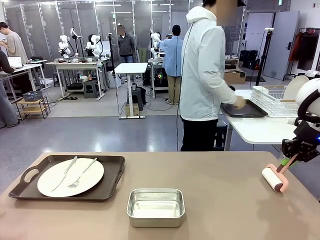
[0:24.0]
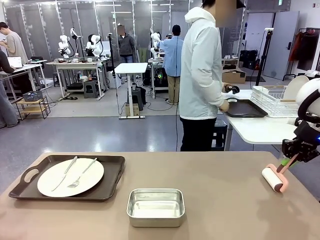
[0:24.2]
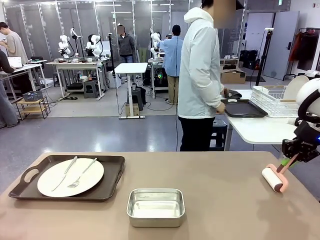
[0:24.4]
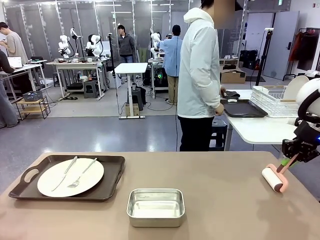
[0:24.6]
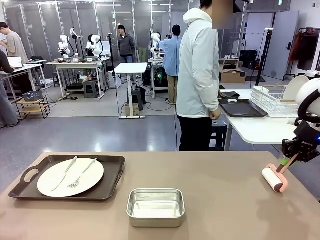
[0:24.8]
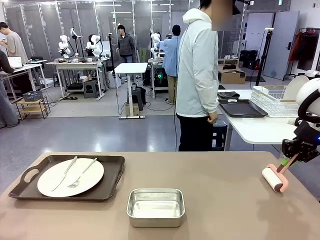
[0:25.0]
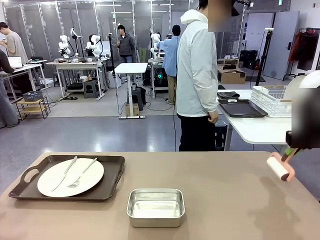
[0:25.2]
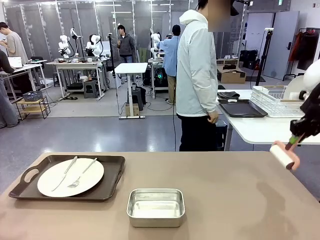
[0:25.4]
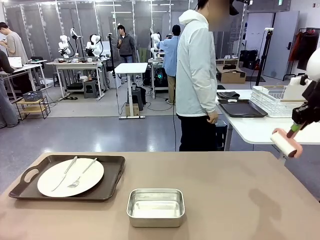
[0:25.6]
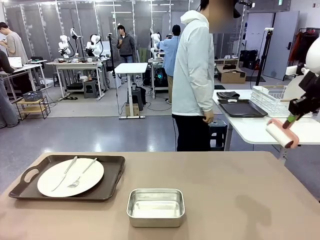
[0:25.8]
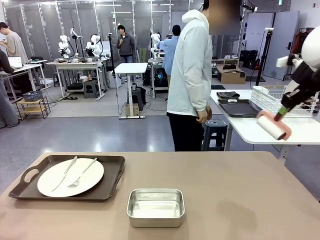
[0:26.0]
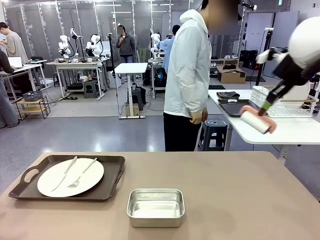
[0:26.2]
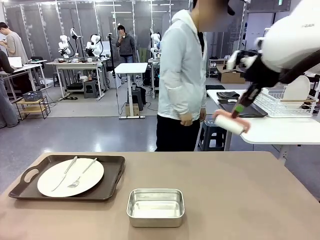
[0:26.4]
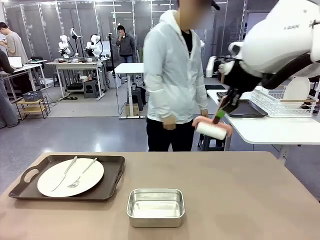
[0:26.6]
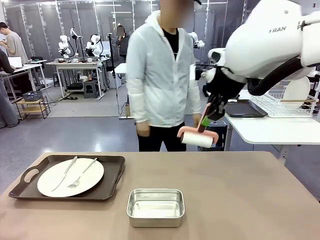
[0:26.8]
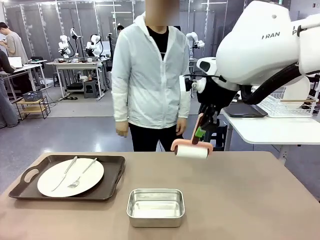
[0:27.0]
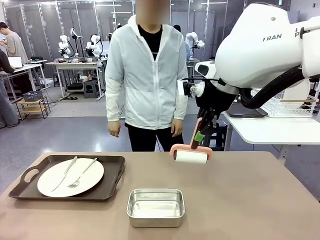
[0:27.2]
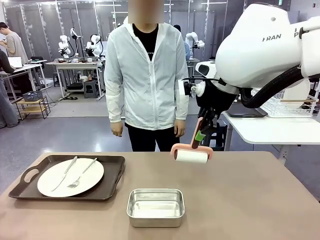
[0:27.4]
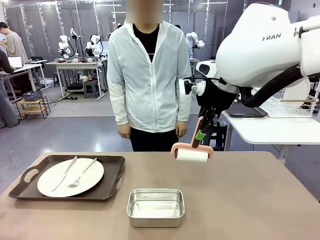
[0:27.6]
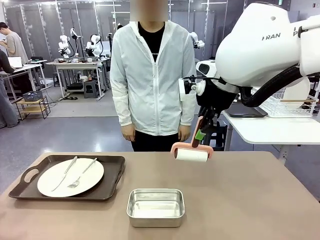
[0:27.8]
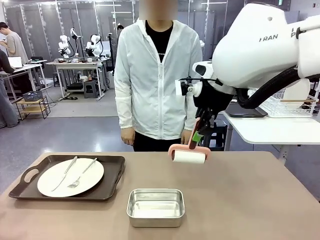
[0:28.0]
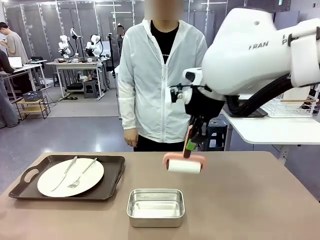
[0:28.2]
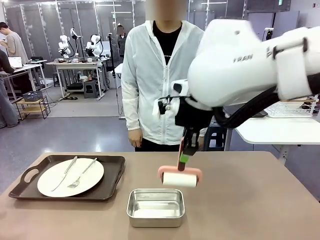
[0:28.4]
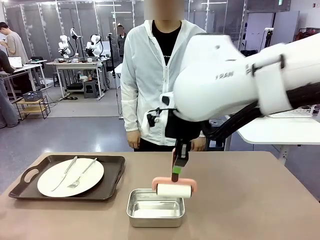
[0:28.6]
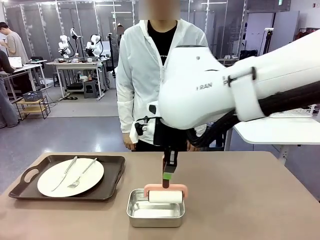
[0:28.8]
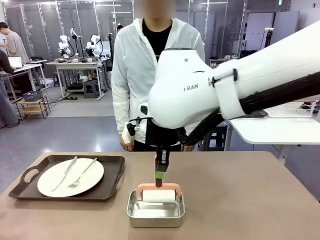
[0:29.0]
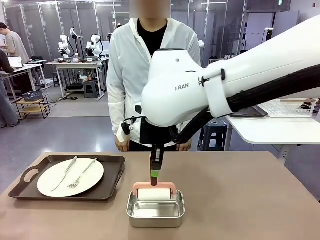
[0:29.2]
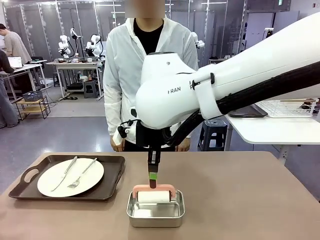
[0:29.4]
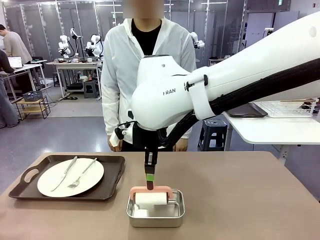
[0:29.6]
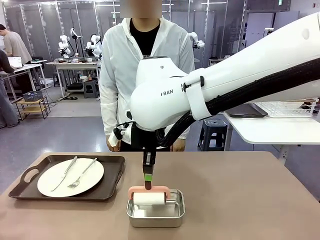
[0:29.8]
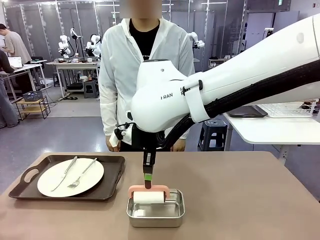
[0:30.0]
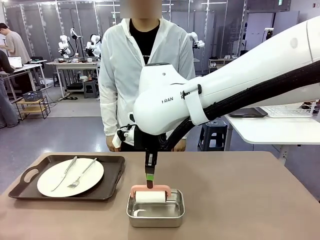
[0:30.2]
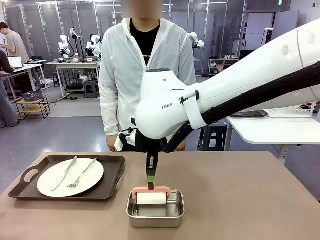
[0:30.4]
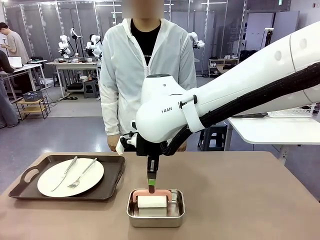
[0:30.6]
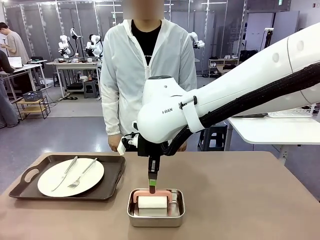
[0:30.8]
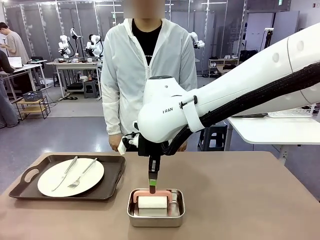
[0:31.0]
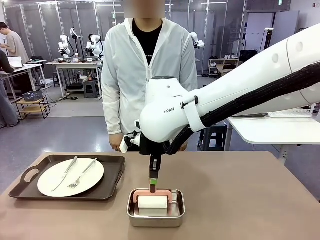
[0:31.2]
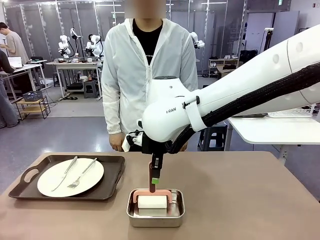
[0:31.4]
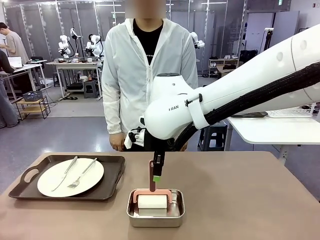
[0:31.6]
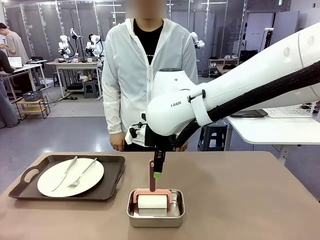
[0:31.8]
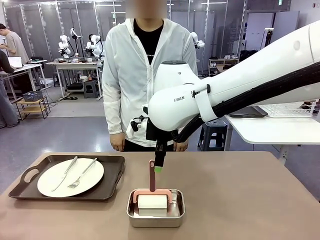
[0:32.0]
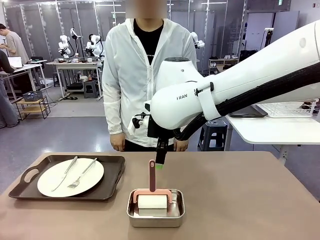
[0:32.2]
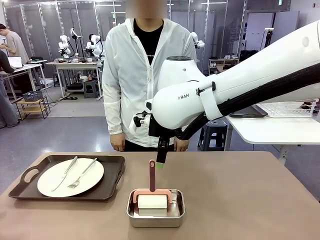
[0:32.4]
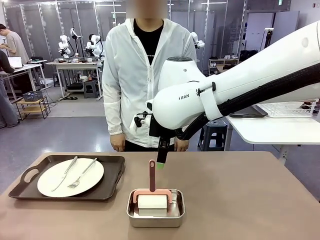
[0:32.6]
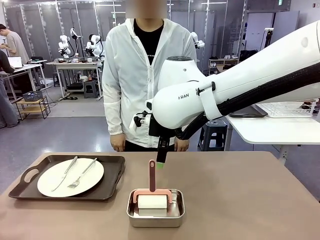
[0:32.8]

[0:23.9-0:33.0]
Robot: Place the Lint Roller back on top of the Airtight Container.

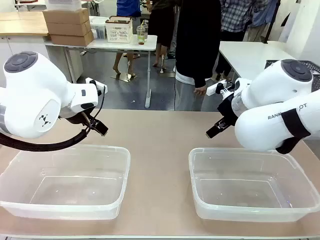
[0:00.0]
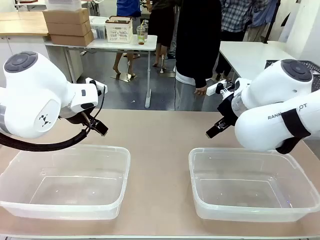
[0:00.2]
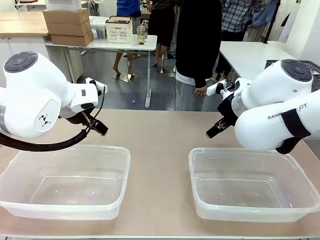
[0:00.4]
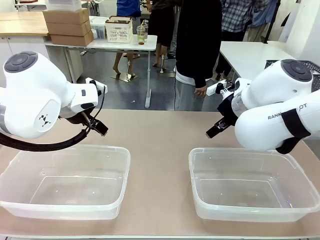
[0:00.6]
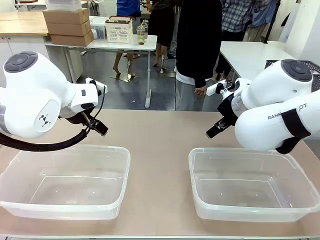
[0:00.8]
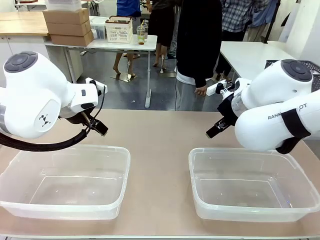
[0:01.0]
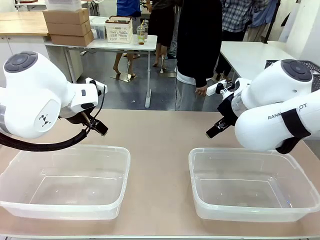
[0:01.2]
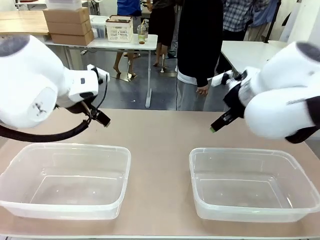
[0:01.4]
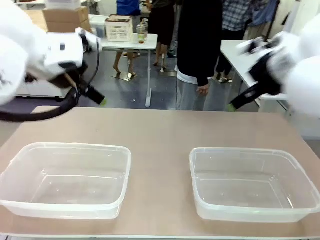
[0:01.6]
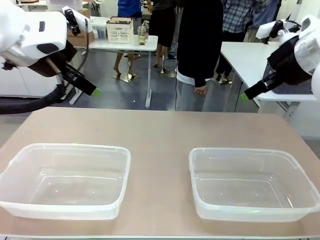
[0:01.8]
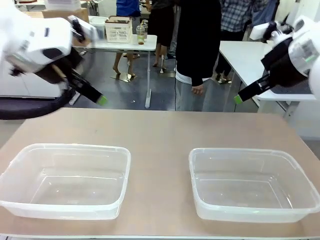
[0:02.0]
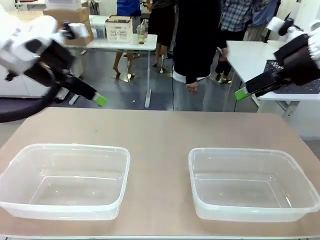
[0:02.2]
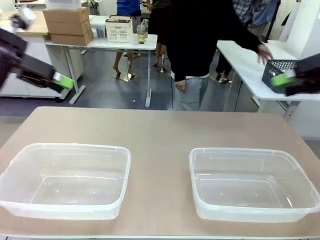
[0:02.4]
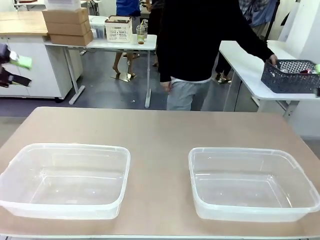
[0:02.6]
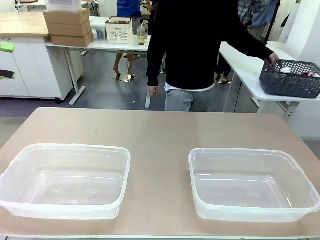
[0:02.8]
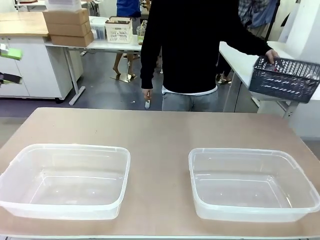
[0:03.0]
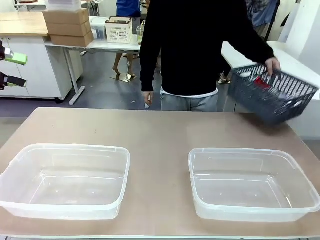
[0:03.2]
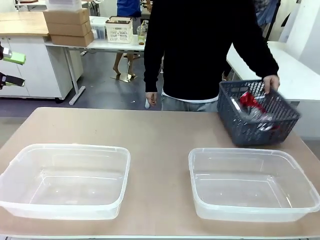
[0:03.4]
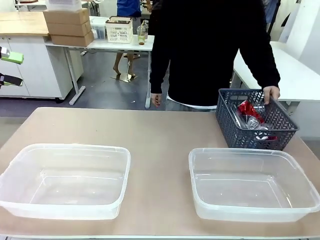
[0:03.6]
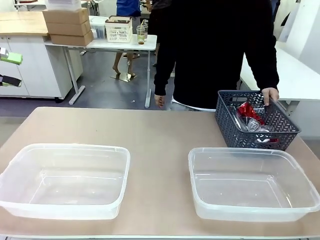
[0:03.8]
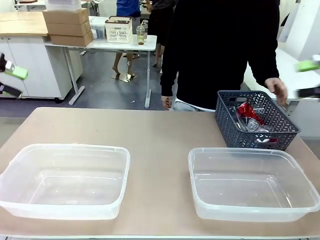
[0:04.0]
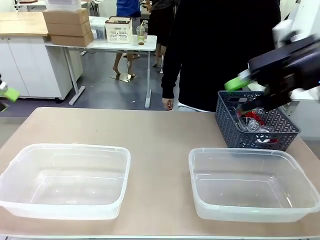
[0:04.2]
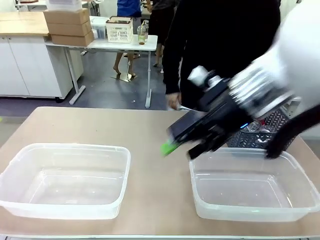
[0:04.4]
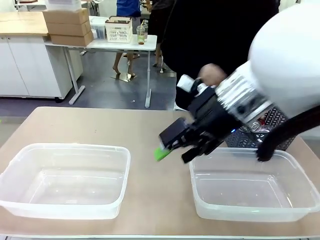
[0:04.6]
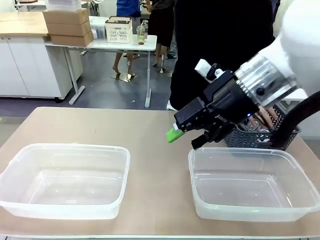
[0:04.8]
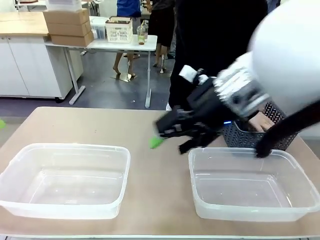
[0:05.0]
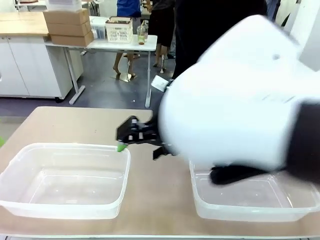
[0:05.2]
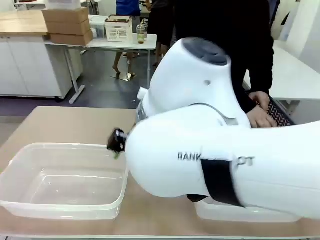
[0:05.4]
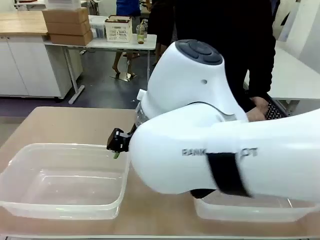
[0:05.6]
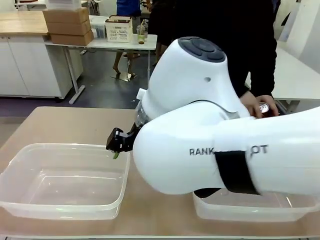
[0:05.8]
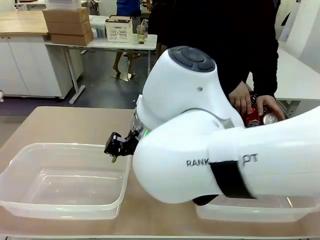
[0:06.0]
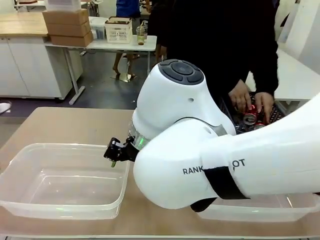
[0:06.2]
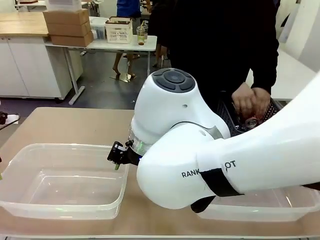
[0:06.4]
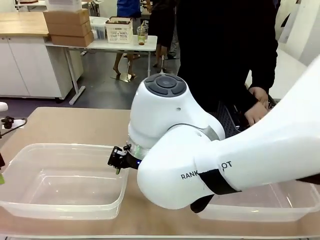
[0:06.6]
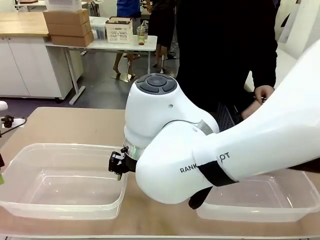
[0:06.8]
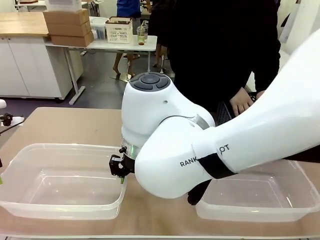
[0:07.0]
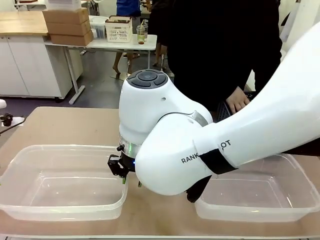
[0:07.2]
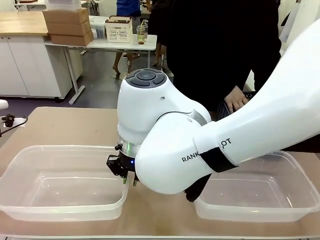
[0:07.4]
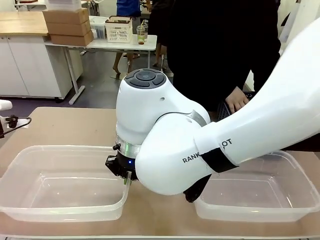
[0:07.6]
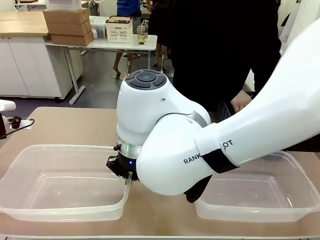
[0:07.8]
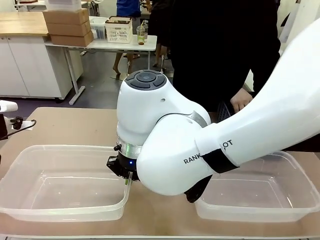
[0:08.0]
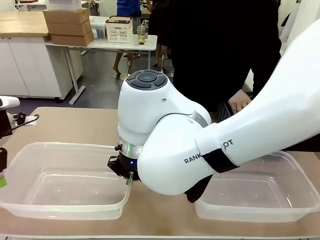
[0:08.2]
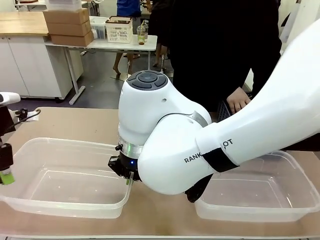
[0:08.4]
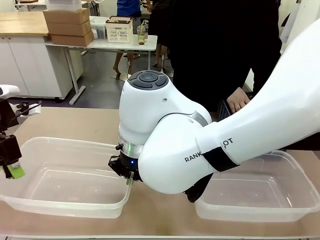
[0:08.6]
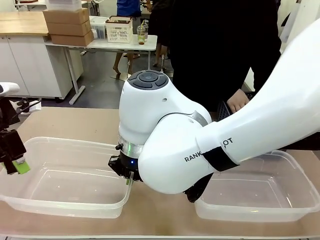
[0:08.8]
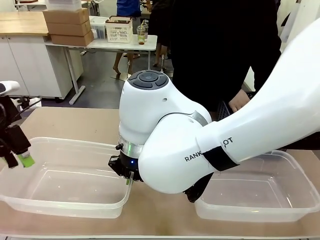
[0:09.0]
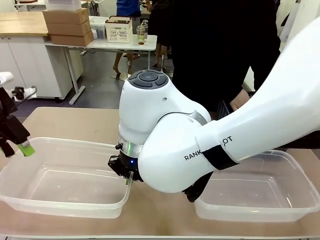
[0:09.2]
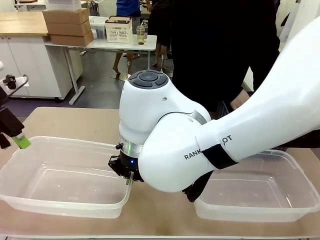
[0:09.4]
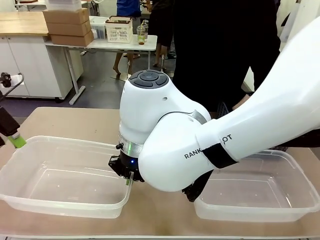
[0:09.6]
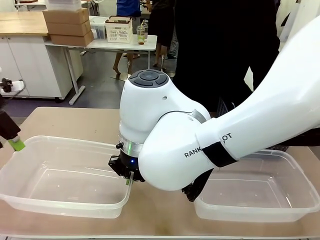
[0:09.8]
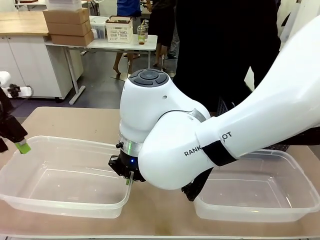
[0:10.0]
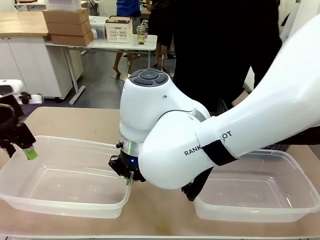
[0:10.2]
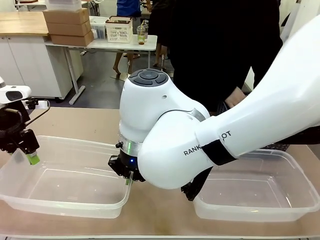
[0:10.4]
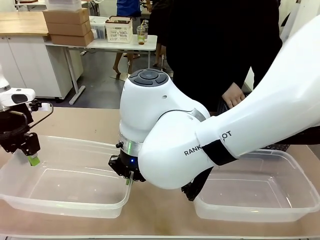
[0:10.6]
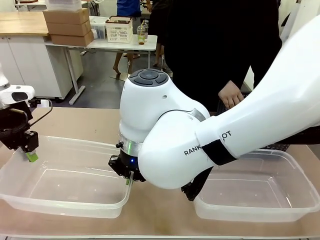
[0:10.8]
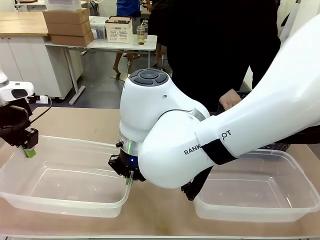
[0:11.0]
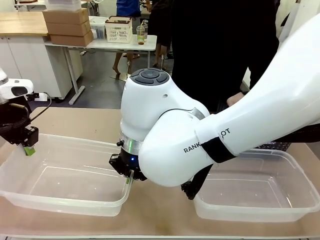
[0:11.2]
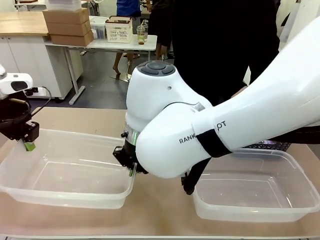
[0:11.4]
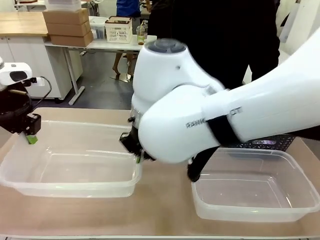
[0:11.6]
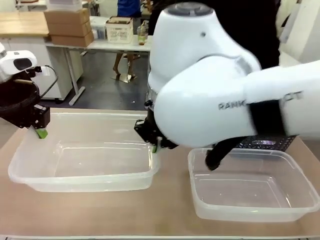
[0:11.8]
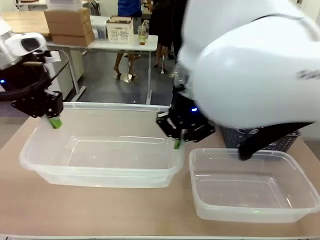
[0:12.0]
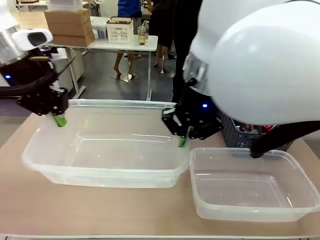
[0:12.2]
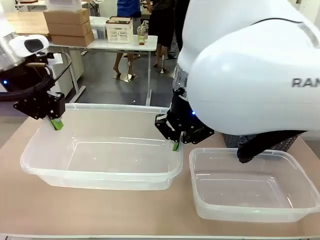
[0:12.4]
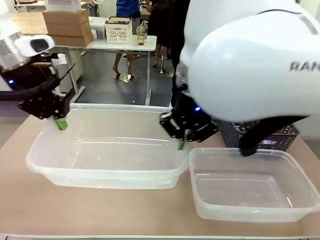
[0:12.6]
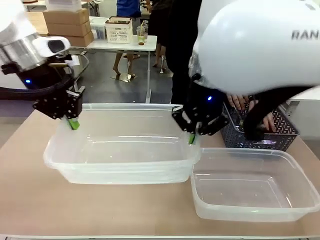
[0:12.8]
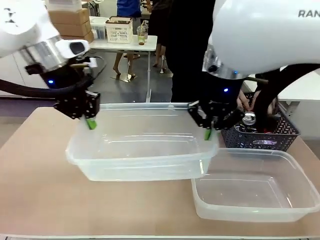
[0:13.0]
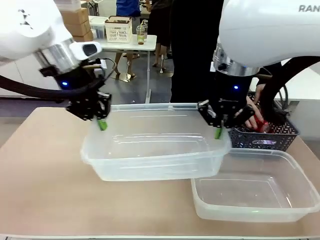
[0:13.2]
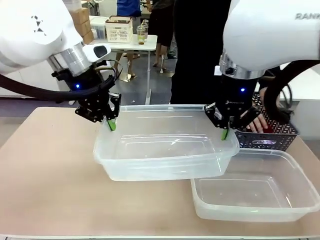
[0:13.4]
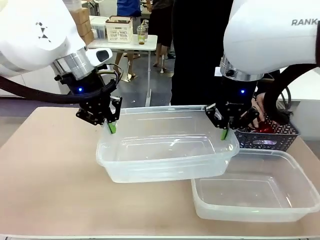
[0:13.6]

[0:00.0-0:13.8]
Robot: Pick up the Organizing box on the left side of the table and lift it.
Person: Pick up the storage basket and place it on the left side of the robot table. Pick up can-shaped waste one by one and place it into the organizing box lifted by the robot.
